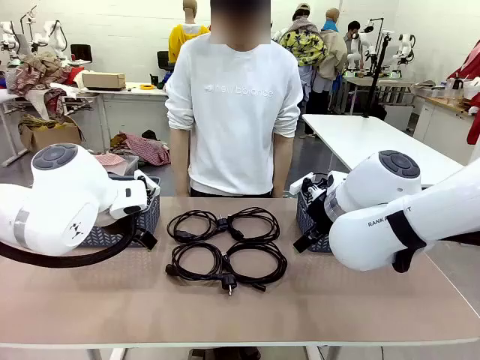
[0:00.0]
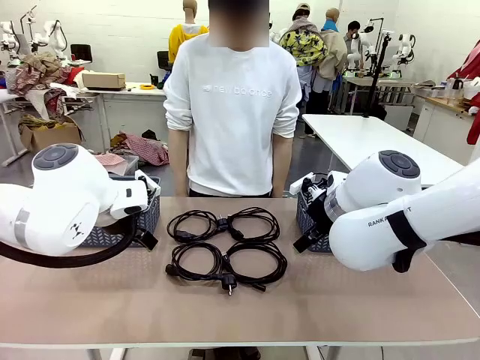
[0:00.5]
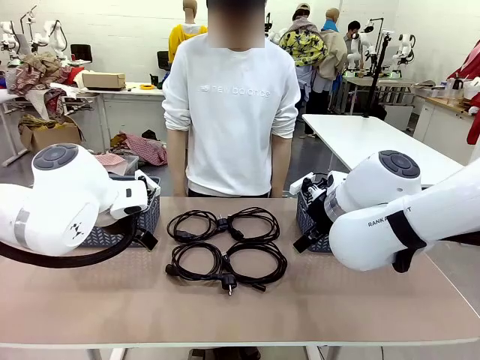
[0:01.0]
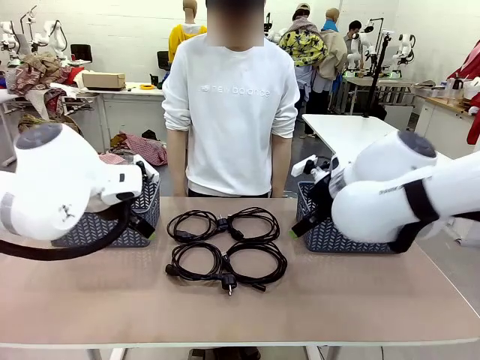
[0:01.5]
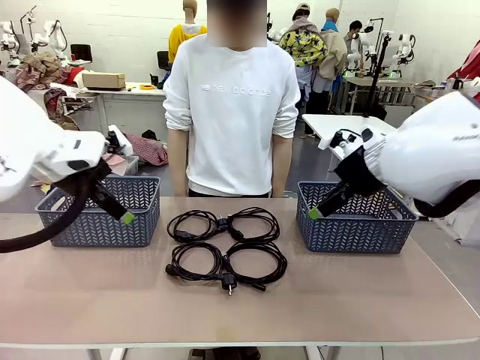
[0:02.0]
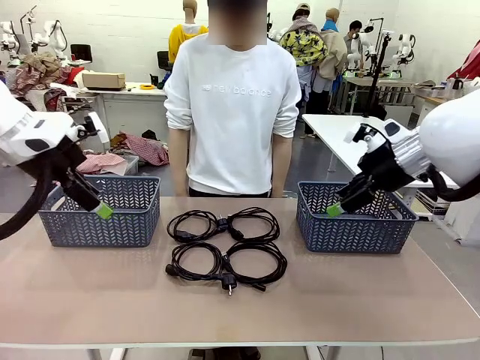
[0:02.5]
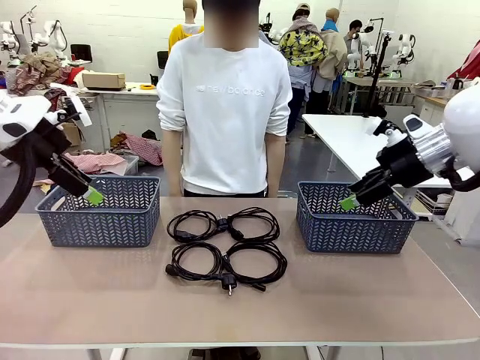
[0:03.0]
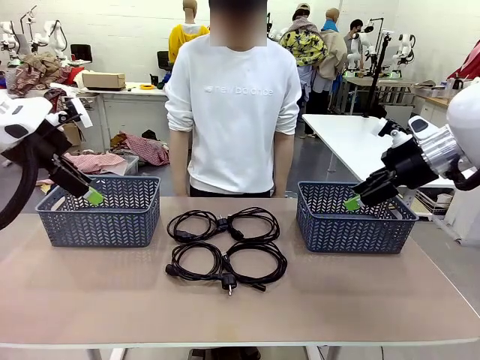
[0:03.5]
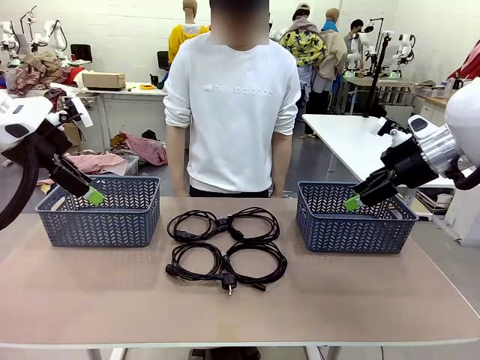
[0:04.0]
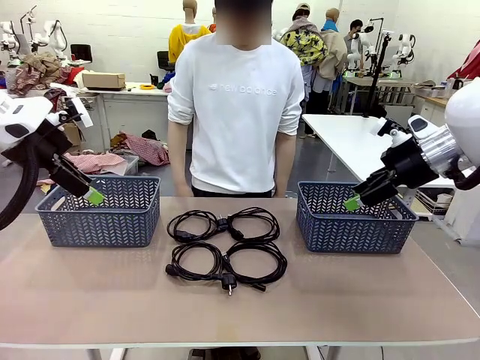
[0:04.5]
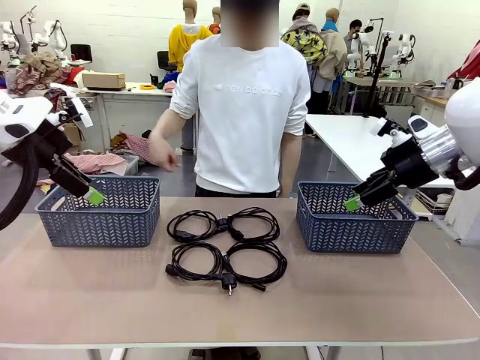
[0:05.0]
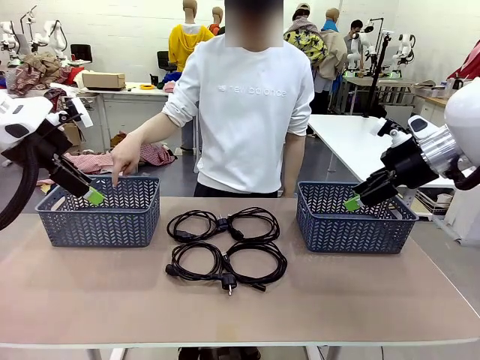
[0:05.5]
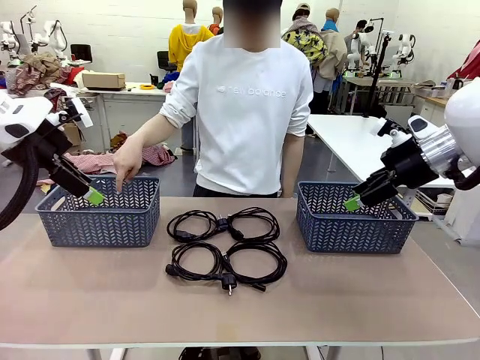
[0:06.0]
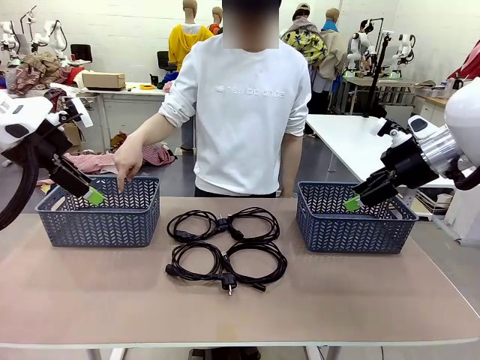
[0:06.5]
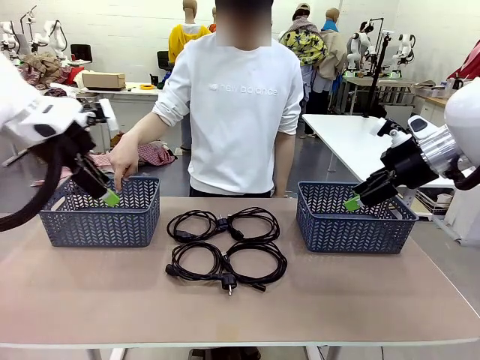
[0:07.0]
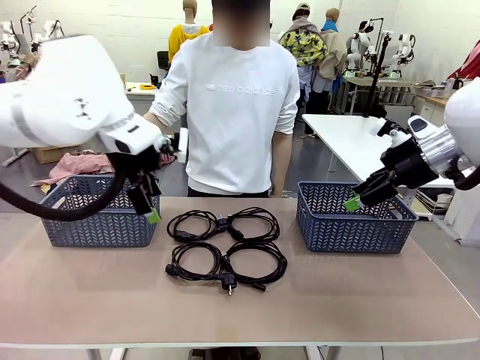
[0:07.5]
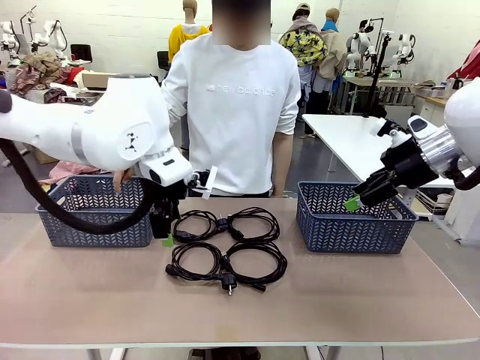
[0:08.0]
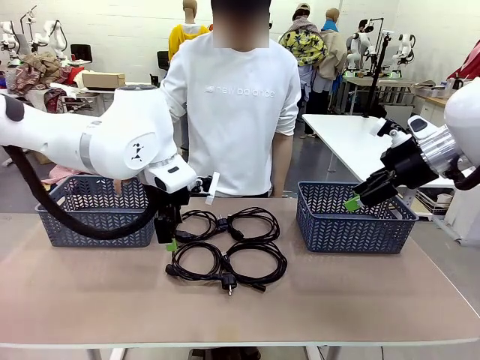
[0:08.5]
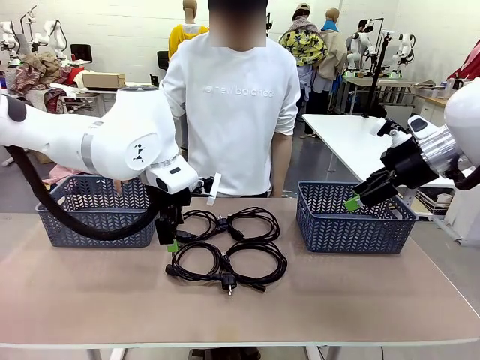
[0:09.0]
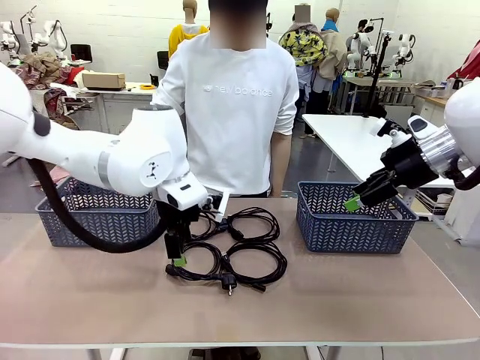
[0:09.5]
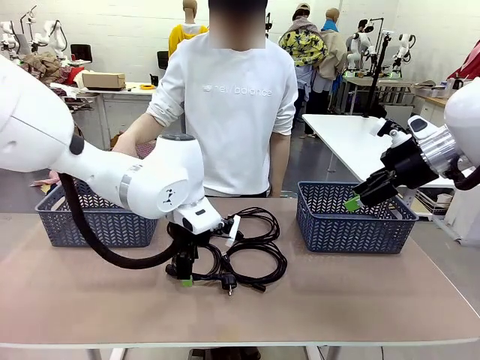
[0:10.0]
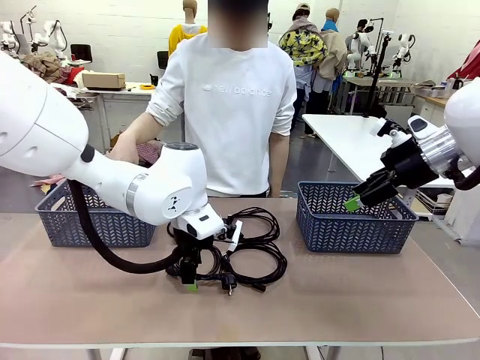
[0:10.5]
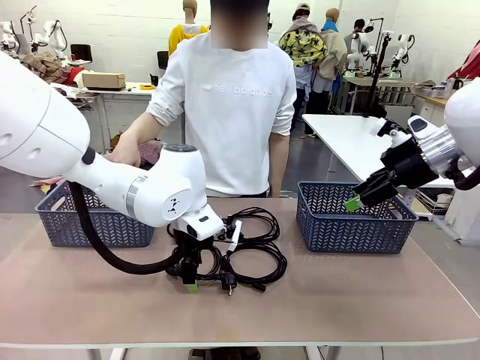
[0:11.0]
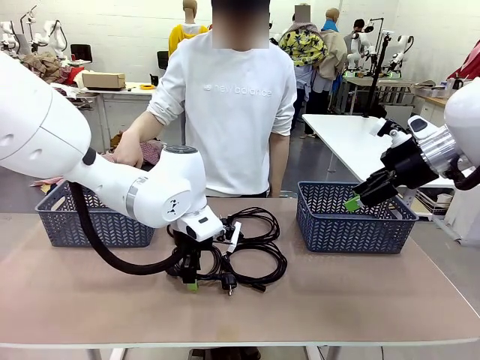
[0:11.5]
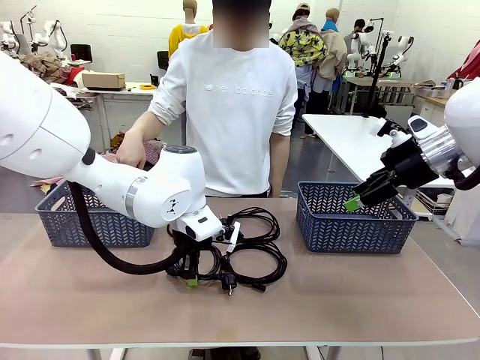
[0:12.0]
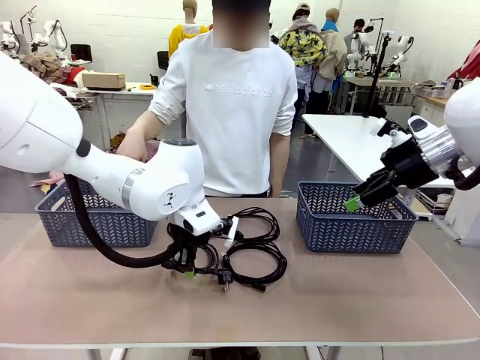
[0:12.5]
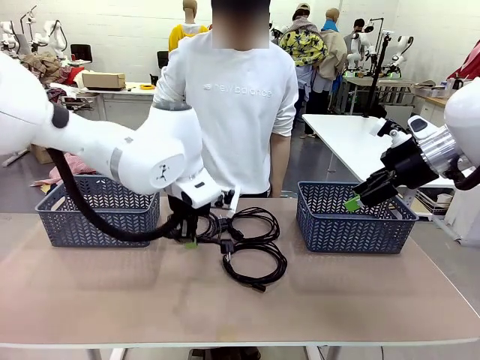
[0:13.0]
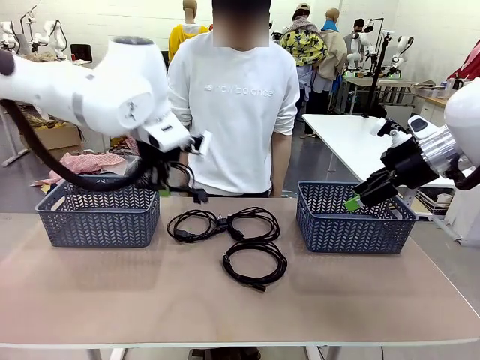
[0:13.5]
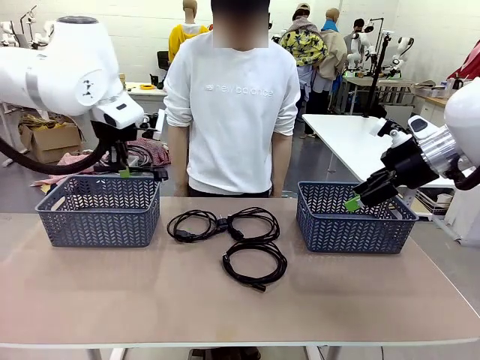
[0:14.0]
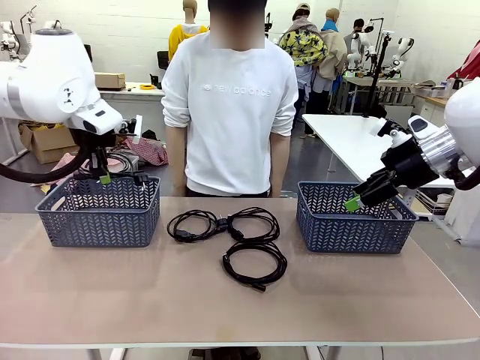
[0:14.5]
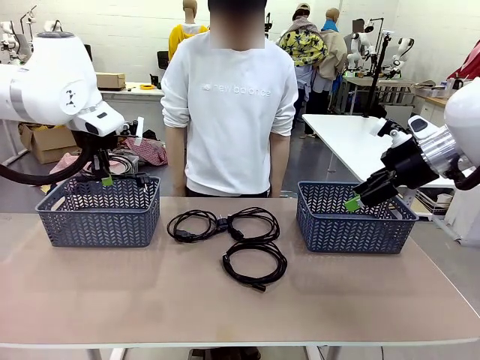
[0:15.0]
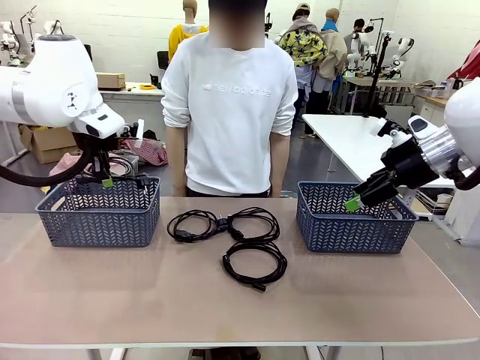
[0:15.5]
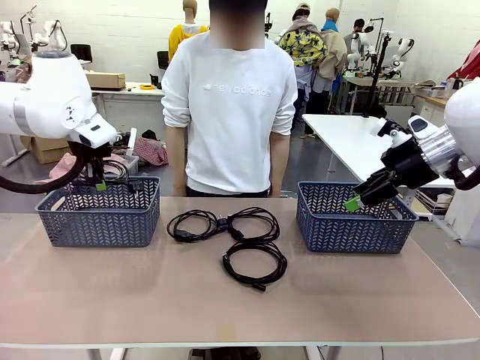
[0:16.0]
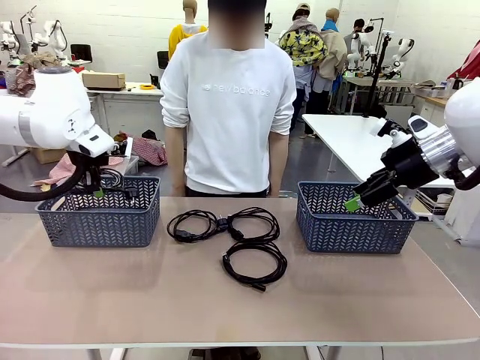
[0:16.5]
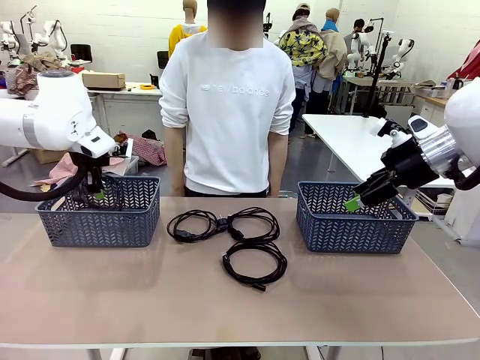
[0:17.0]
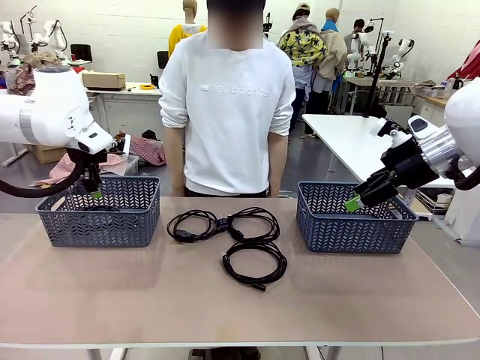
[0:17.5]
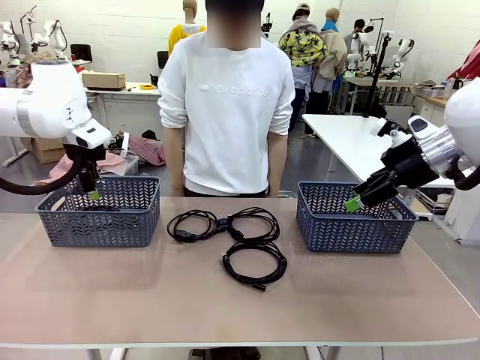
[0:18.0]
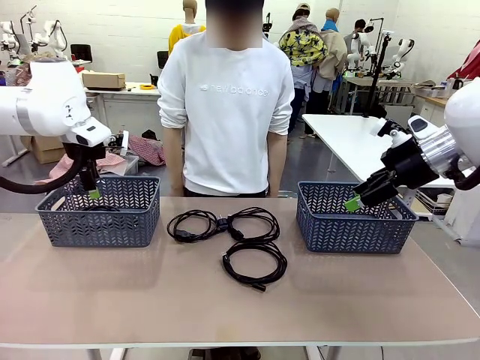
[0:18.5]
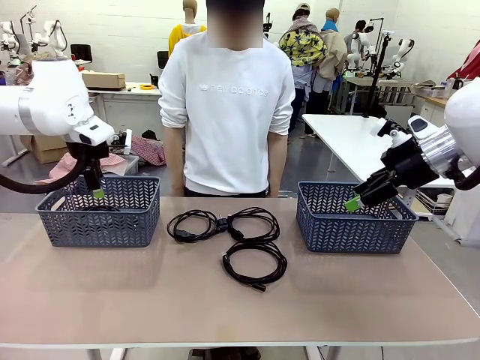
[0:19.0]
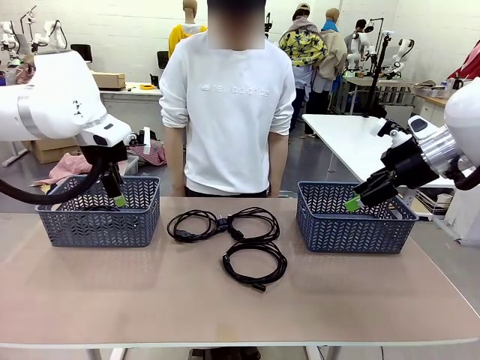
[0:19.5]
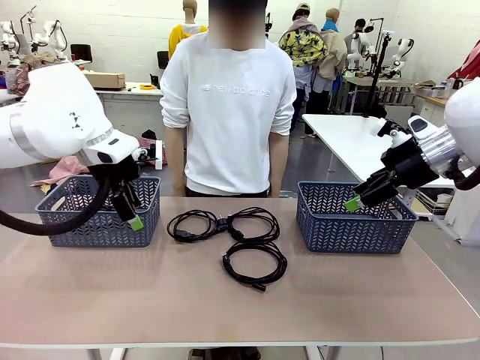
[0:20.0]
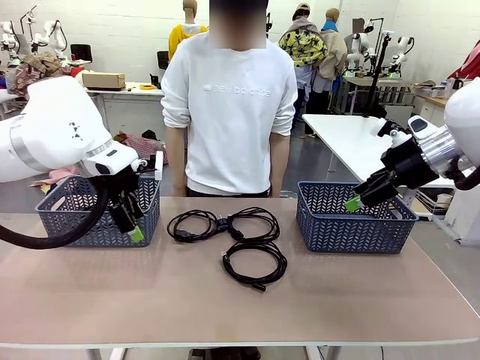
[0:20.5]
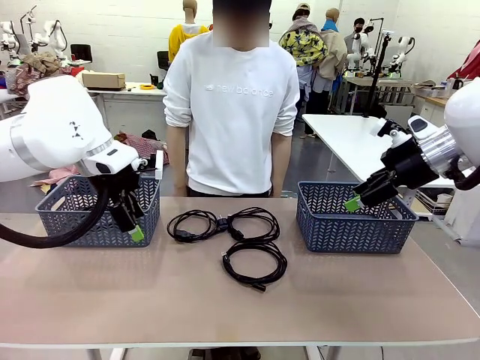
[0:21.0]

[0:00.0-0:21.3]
Task: Organize the cables according to human instructions.
Robot: Pick up a bundle of cables and place it in the basket indicated by the human.
